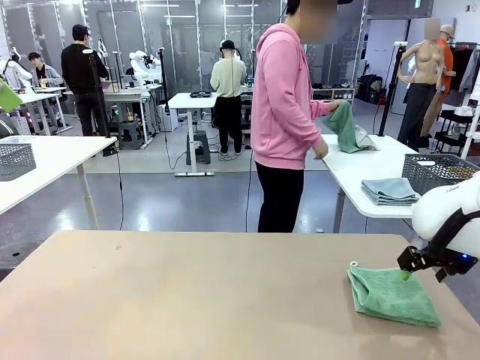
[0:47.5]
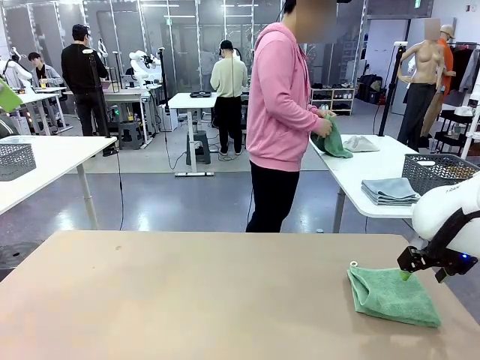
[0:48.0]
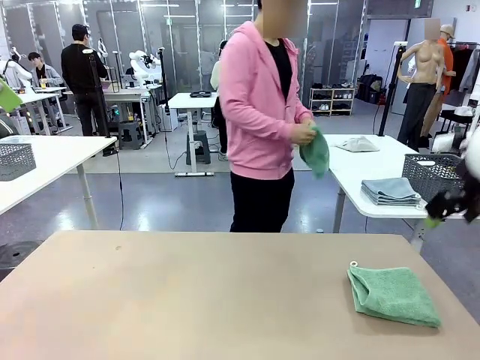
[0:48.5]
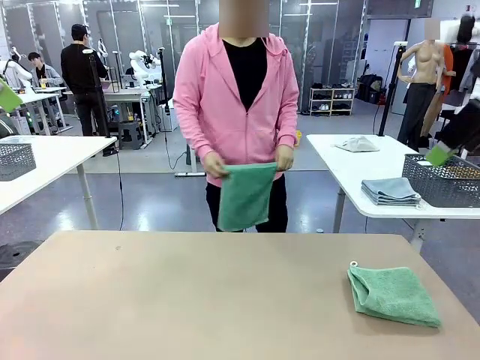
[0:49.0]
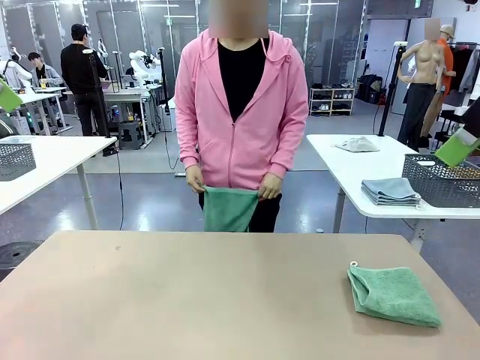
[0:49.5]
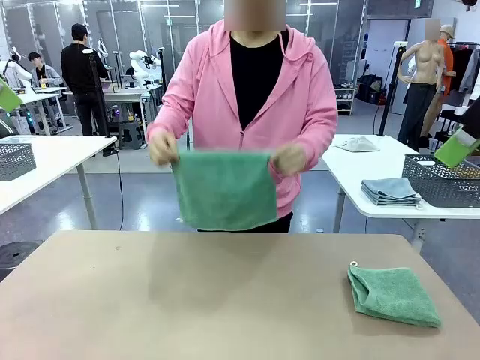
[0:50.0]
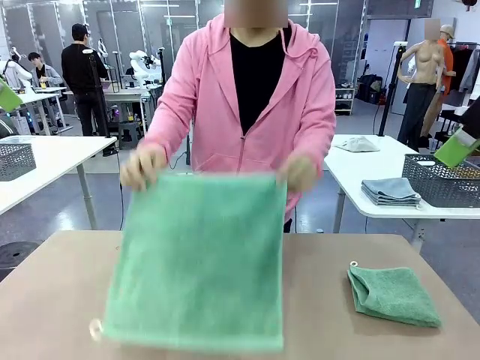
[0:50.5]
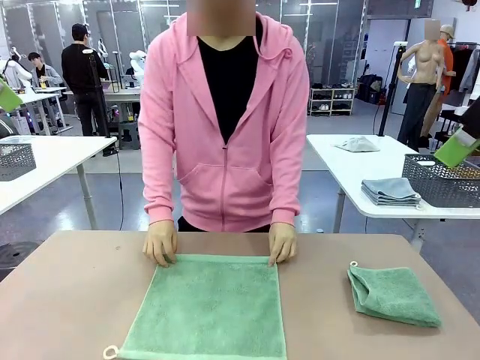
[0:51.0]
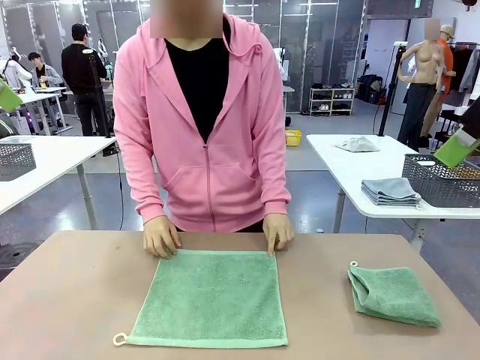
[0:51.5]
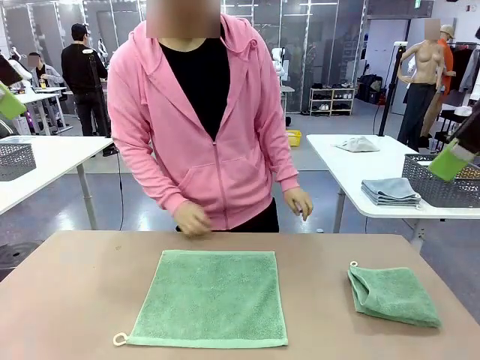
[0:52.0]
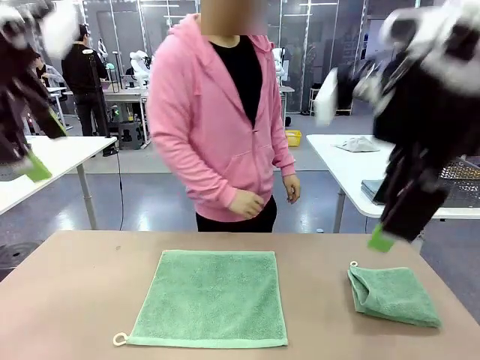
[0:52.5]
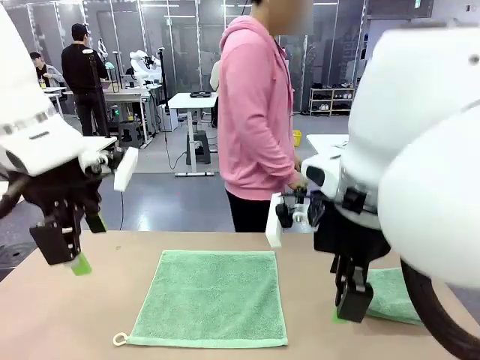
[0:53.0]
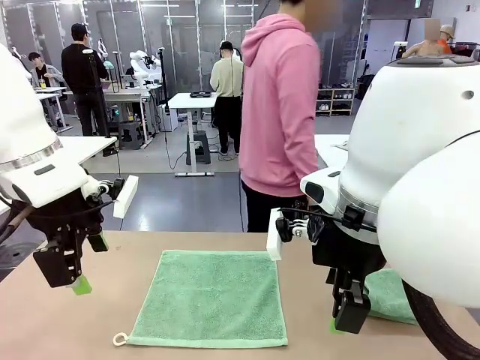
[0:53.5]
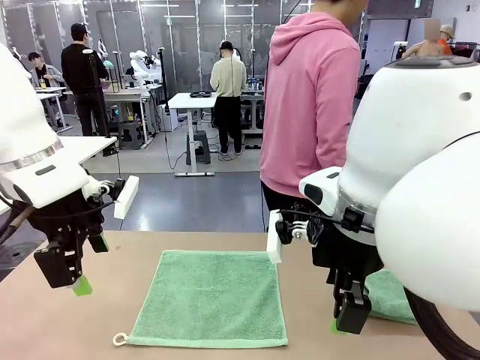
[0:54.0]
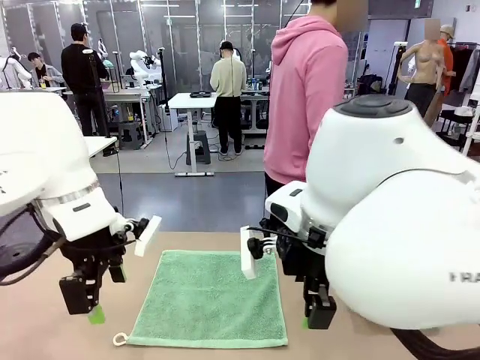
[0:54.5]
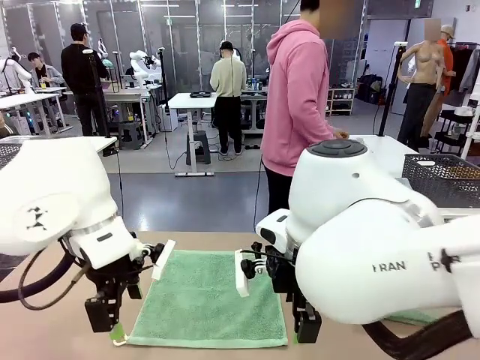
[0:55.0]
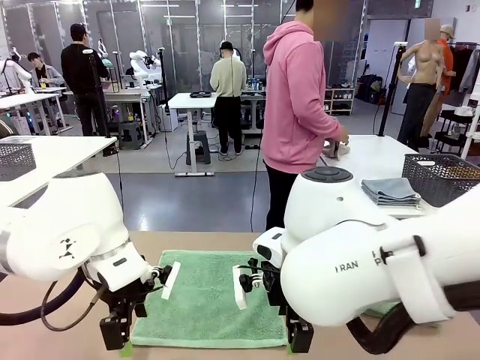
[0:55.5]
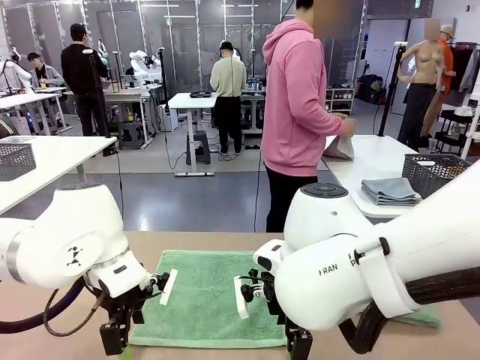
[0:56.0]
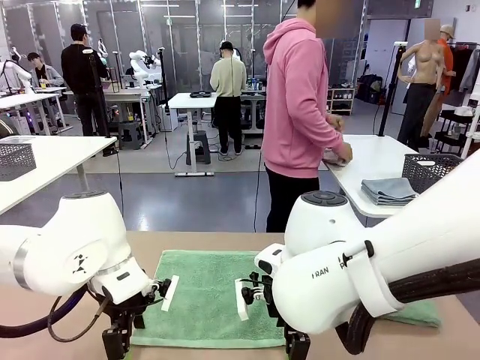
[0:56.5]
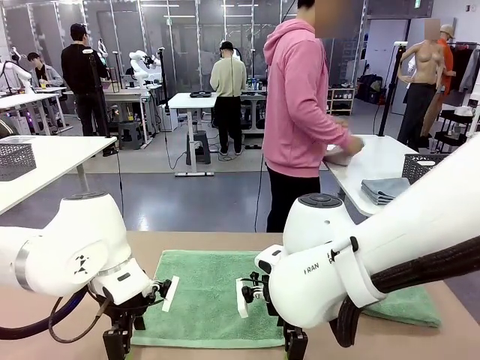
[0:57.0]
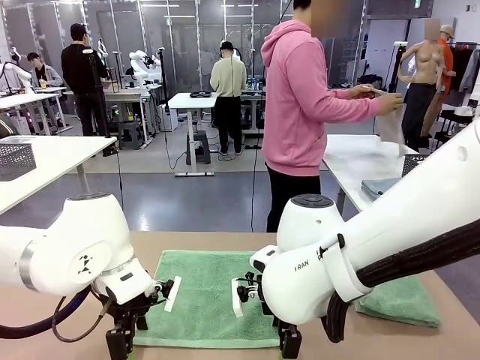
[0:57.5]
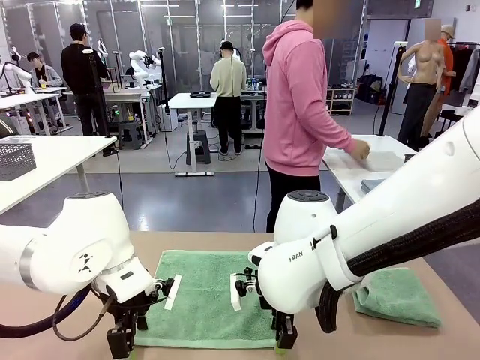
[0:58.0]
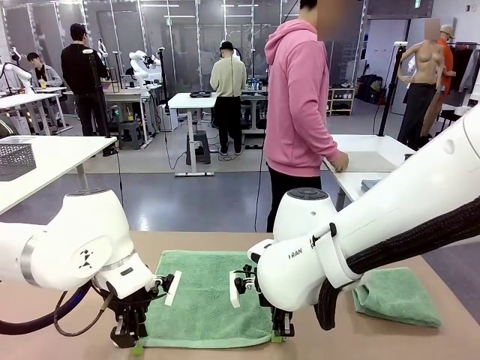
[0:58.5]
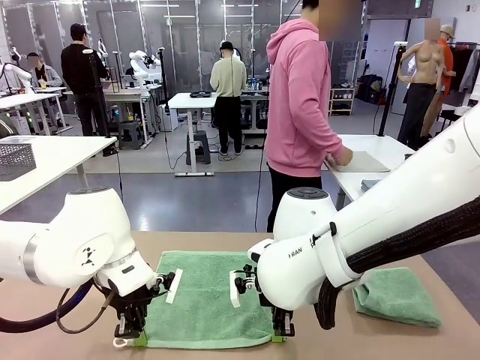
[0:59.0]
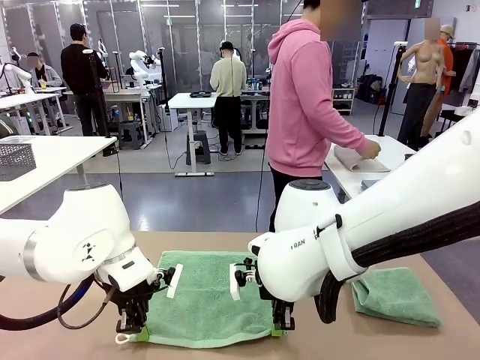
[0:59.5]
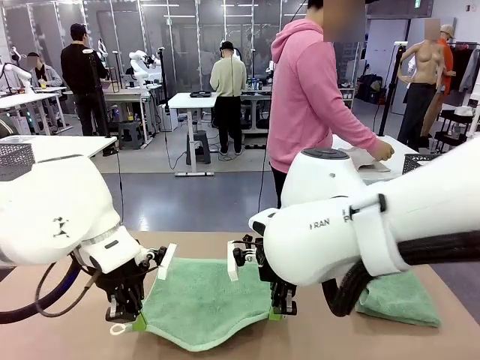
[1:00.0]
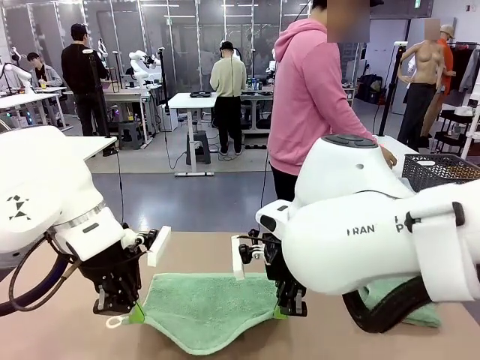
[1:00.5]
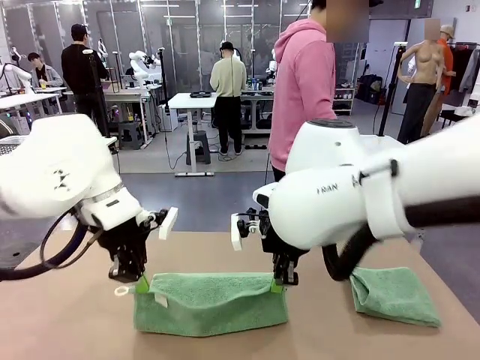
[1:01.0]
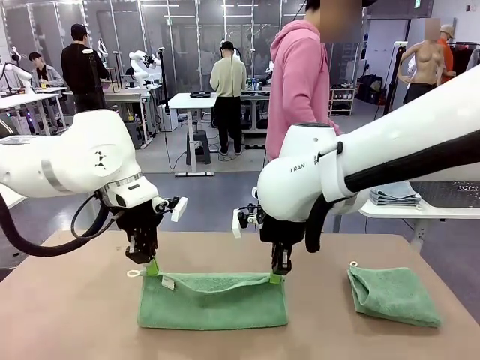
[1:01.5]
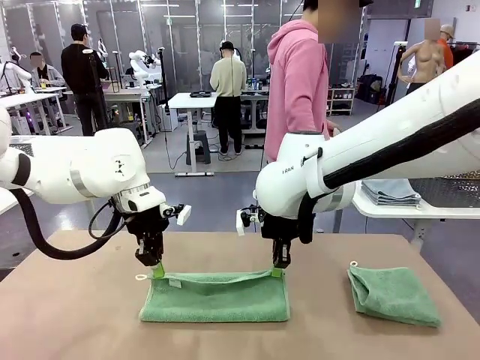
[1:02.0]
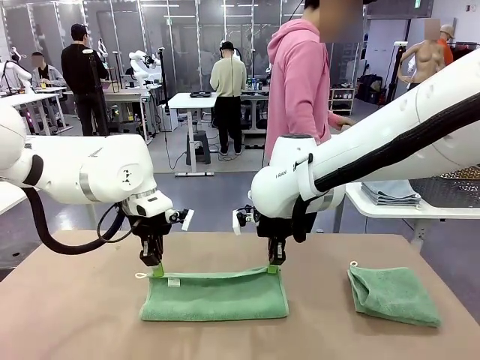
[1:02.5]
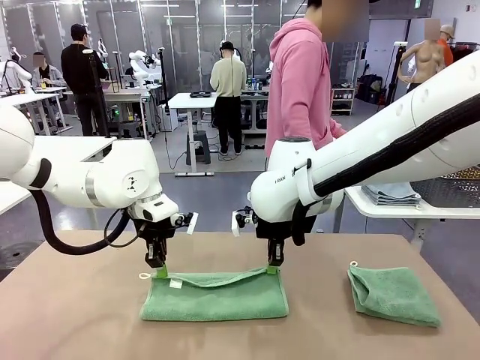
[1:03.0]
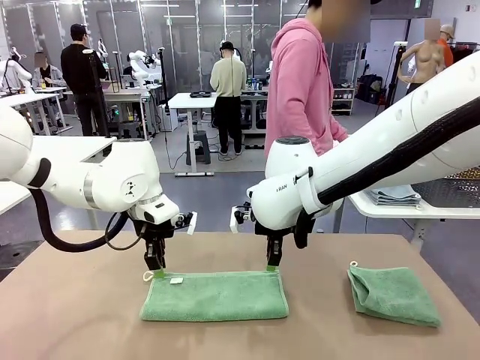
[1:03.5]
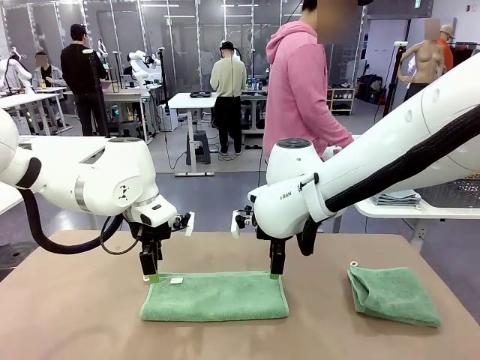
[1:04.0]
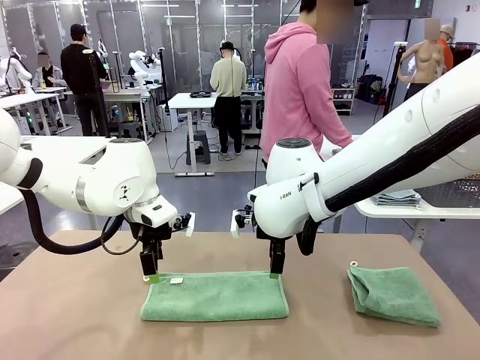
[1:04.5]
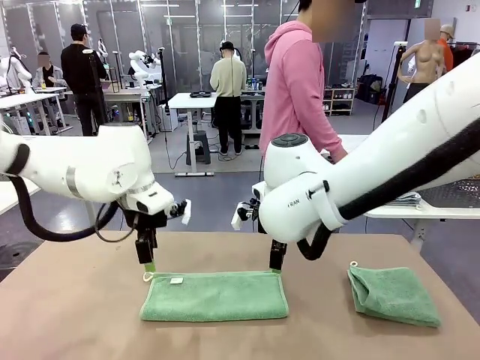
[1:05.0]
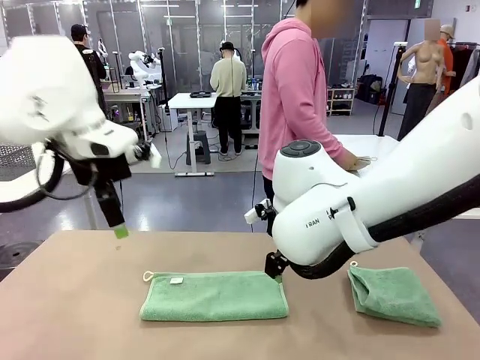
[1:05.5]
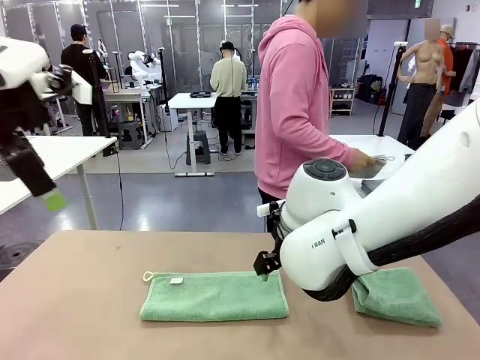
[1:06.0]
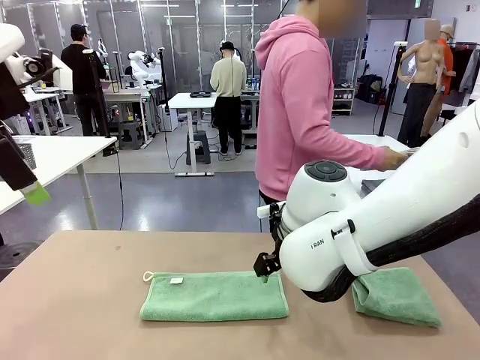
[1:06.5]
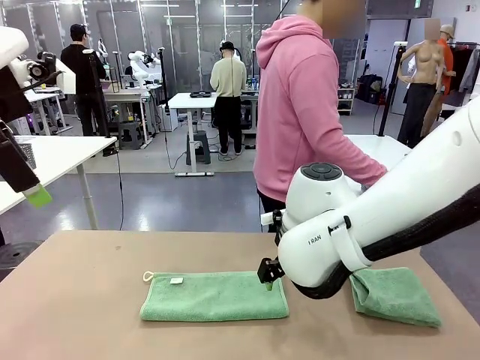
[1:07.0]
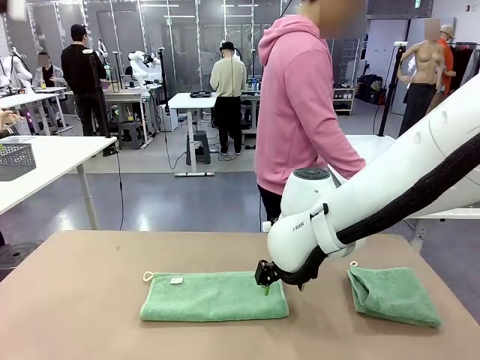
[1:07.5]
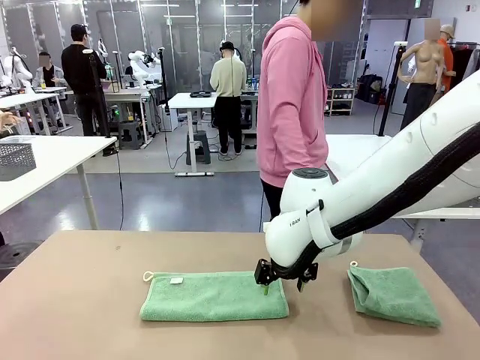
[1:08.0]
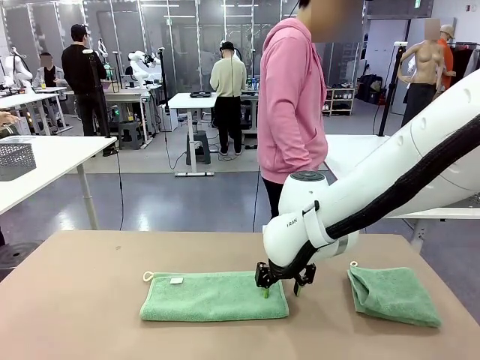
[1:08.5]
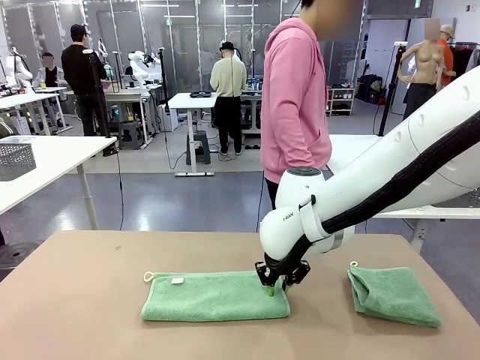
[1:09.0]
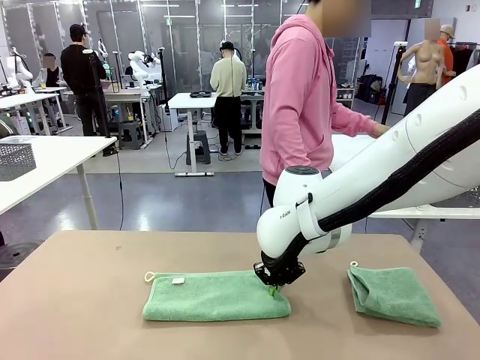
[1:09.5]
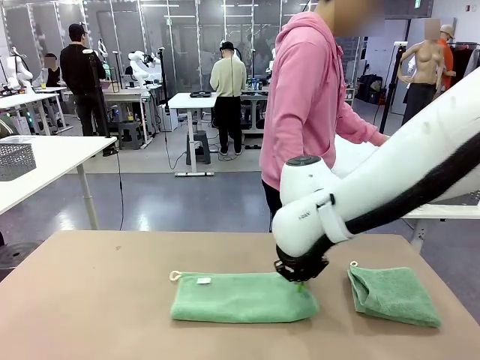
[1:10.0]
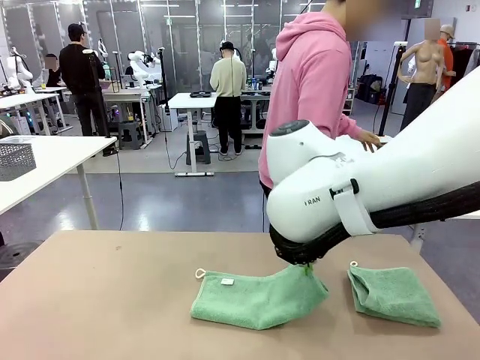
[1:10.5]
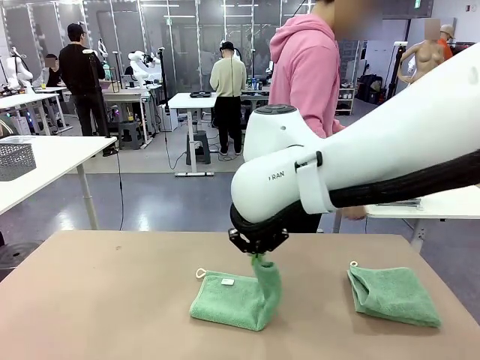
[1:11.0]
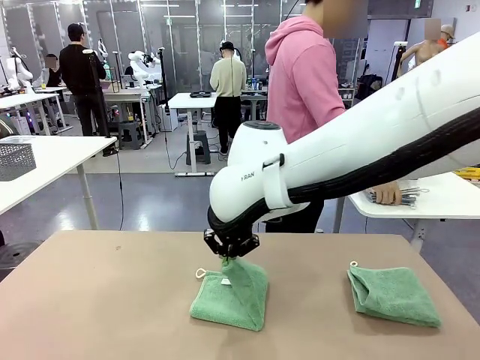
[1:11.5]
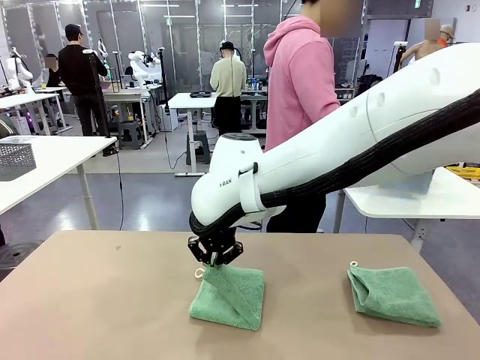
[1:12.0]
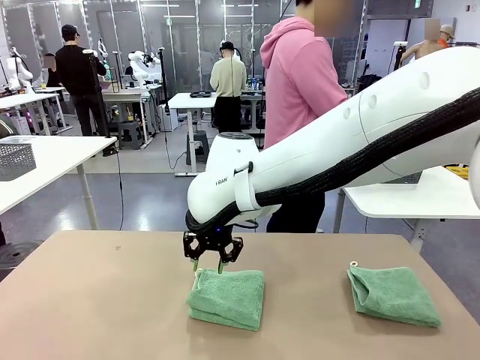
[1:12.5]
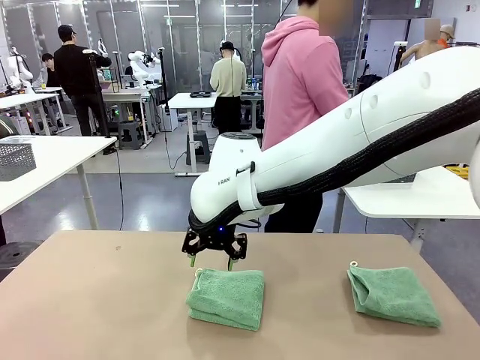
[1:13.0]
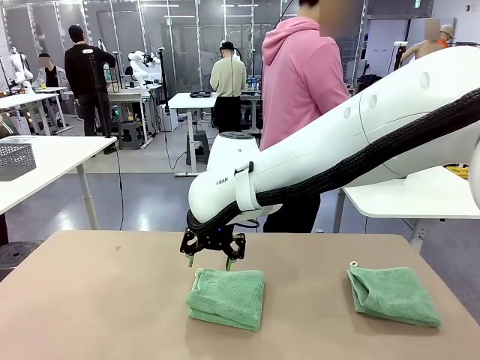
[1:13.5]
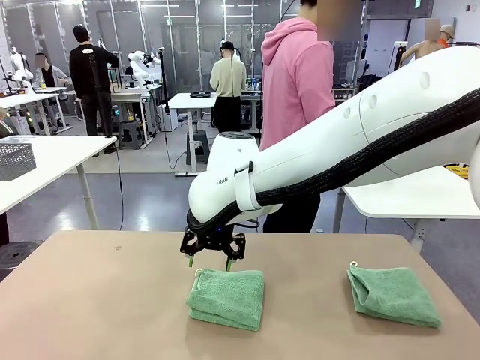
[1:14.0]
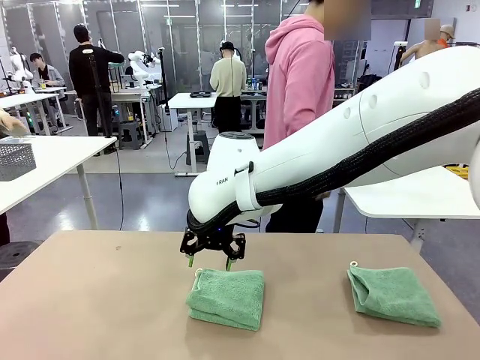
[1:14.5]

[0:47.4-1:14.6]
Task: Fold the towels and place them in the basket.
Robot: When a person lays out a Towel with hook on the table, fold it in half twice.
Person: Pick up one towel from the left side of the human table and spread it out at the center of the robot table. Pick up one towel from the left side of the human table, fold it in half twice, and stack it on the right side of the table. Pick up the stack of towels from the right side of the human table, place it into the basket, and put the basket at the center of the table.
